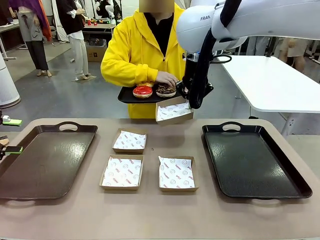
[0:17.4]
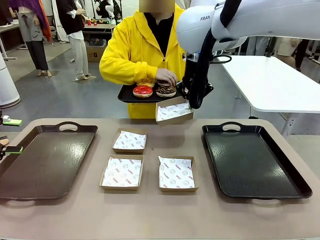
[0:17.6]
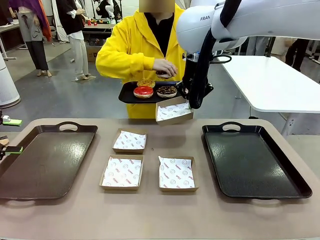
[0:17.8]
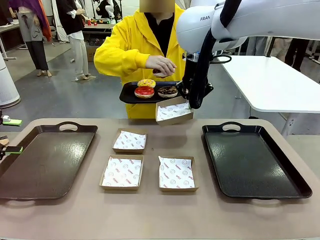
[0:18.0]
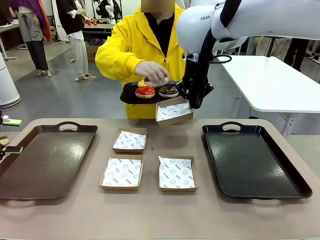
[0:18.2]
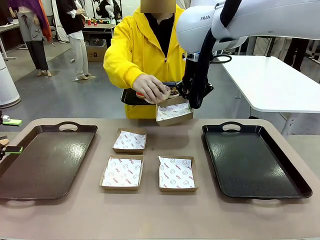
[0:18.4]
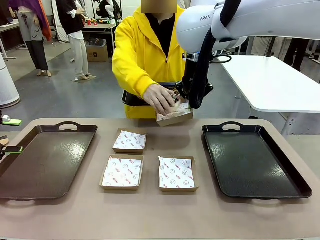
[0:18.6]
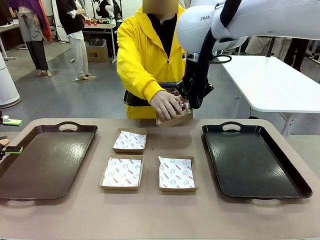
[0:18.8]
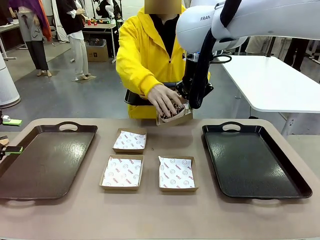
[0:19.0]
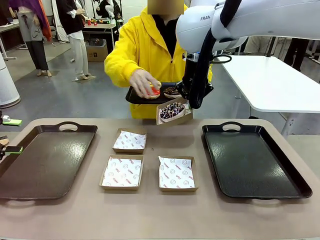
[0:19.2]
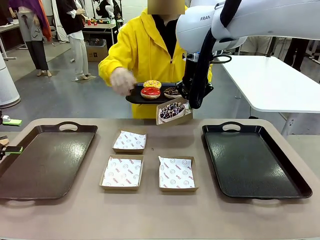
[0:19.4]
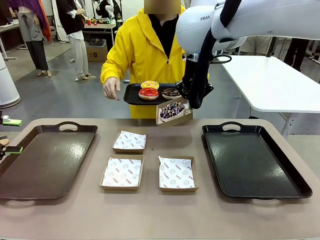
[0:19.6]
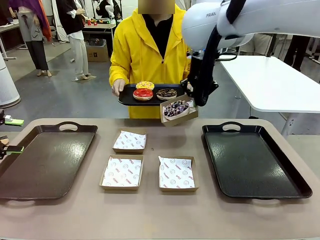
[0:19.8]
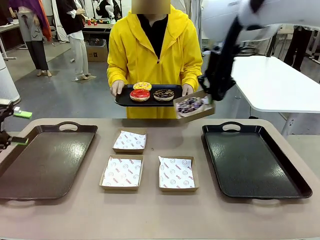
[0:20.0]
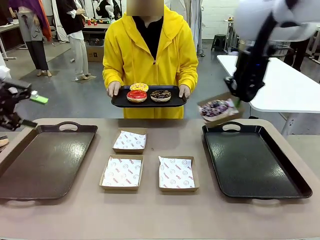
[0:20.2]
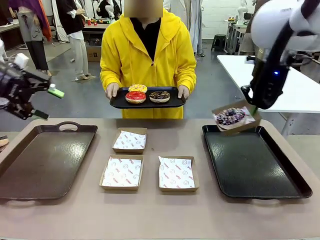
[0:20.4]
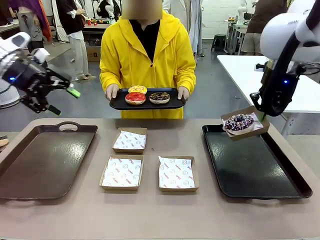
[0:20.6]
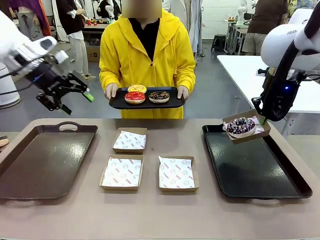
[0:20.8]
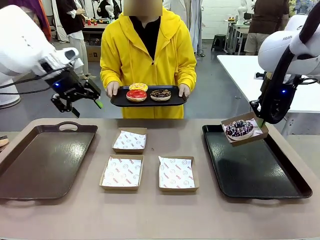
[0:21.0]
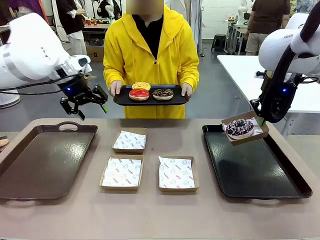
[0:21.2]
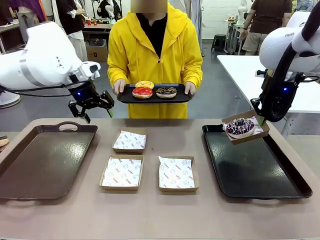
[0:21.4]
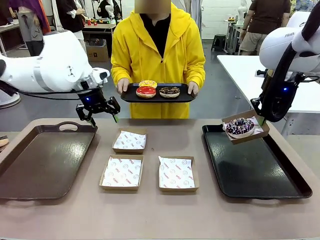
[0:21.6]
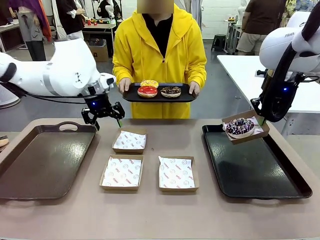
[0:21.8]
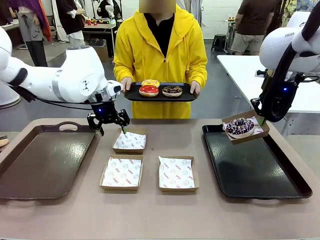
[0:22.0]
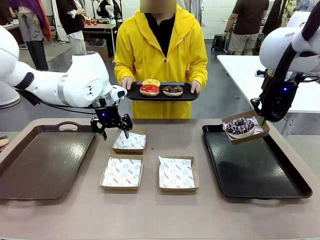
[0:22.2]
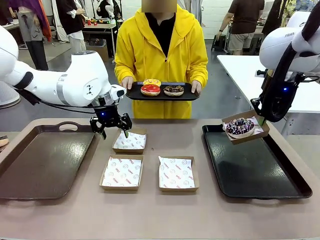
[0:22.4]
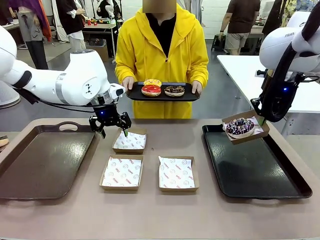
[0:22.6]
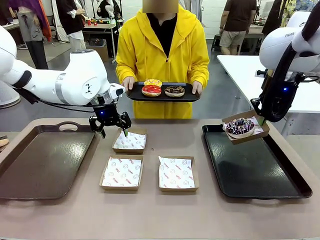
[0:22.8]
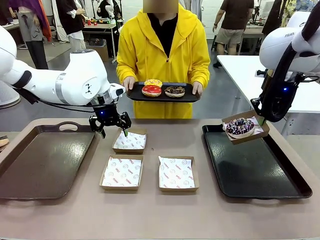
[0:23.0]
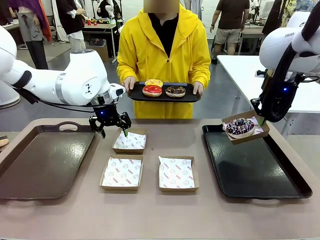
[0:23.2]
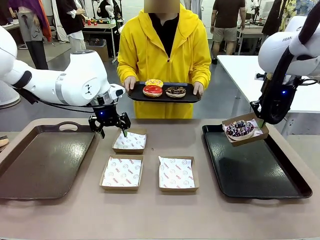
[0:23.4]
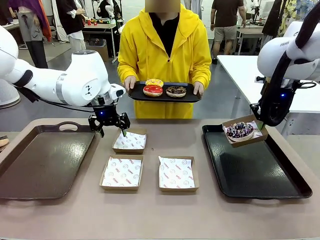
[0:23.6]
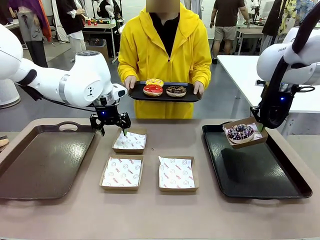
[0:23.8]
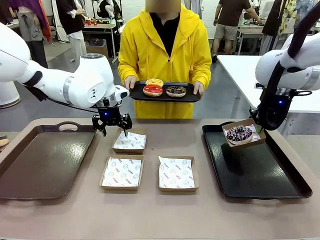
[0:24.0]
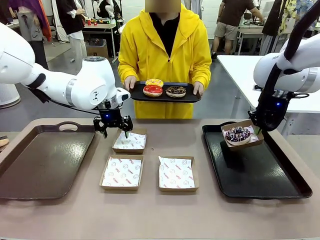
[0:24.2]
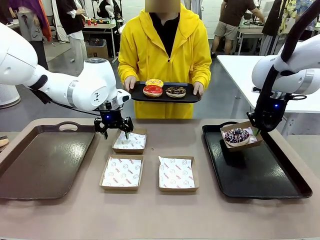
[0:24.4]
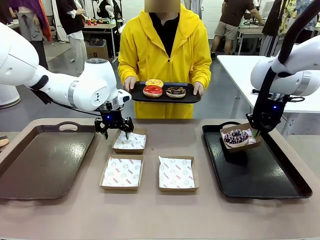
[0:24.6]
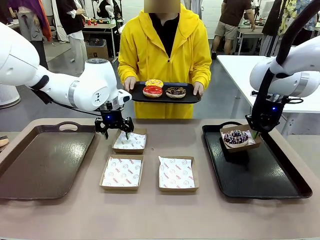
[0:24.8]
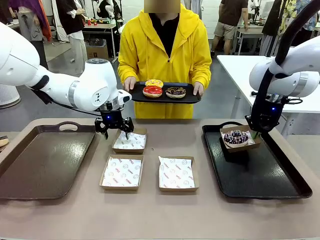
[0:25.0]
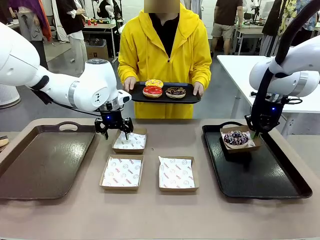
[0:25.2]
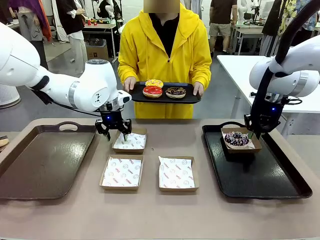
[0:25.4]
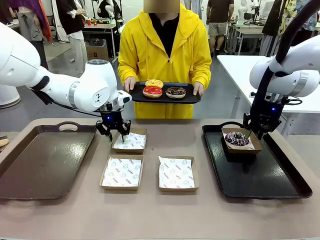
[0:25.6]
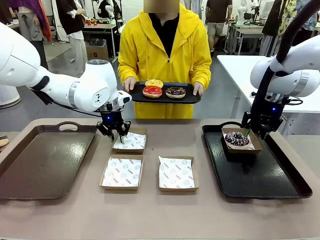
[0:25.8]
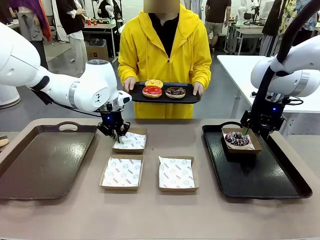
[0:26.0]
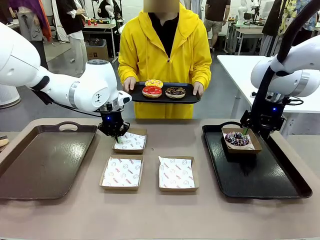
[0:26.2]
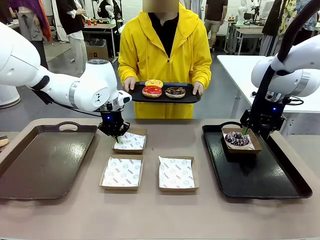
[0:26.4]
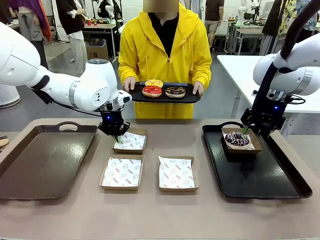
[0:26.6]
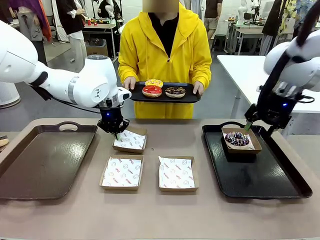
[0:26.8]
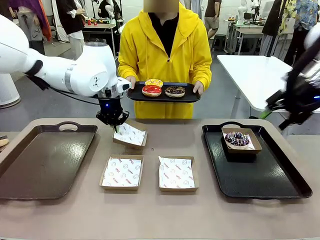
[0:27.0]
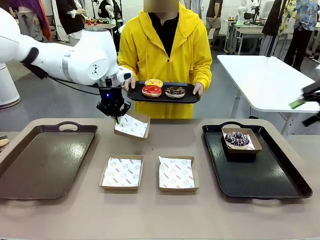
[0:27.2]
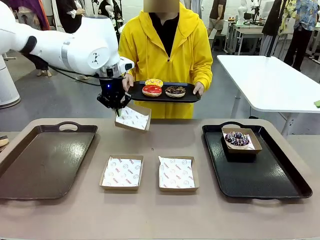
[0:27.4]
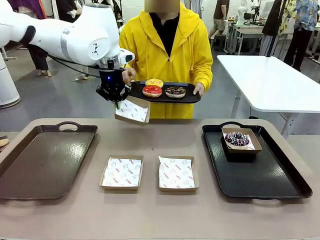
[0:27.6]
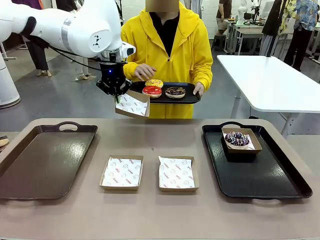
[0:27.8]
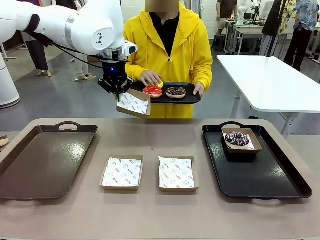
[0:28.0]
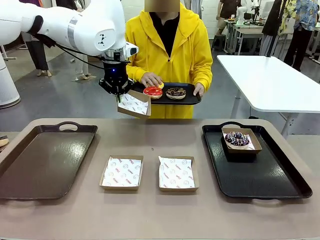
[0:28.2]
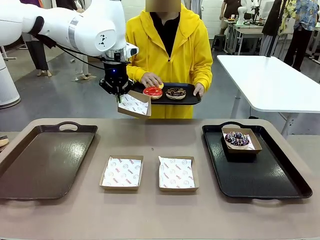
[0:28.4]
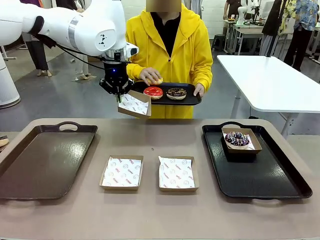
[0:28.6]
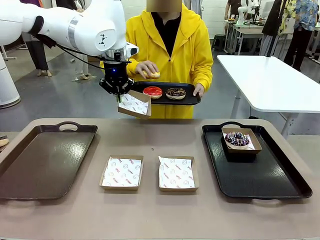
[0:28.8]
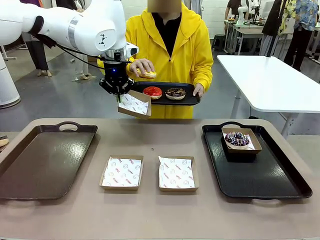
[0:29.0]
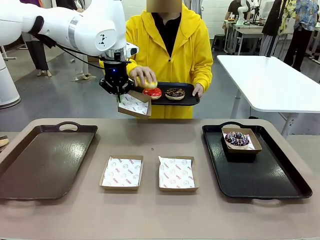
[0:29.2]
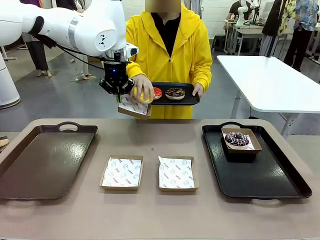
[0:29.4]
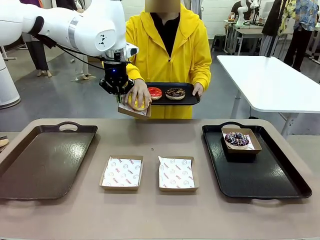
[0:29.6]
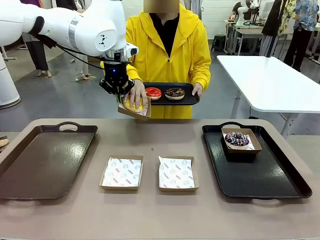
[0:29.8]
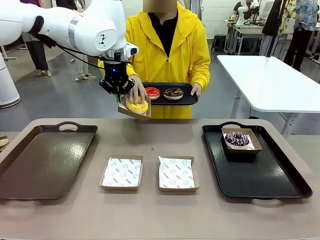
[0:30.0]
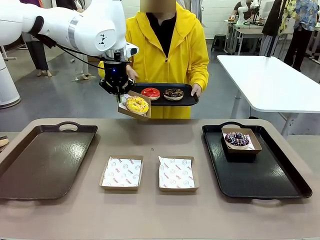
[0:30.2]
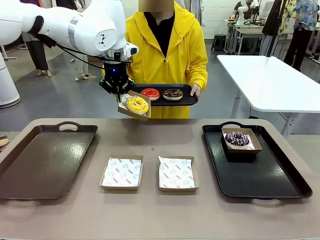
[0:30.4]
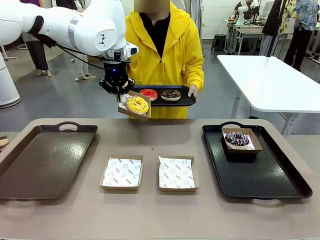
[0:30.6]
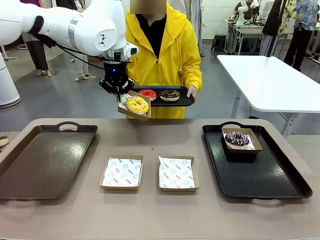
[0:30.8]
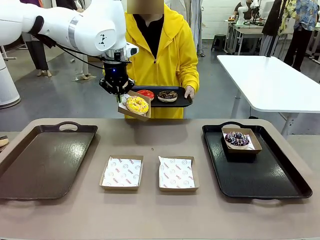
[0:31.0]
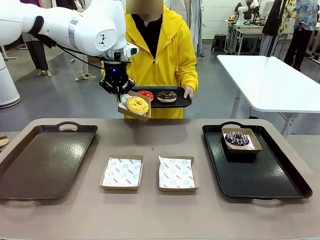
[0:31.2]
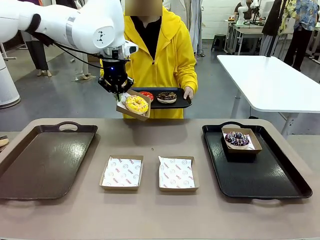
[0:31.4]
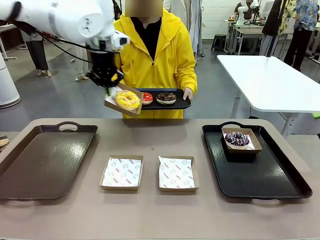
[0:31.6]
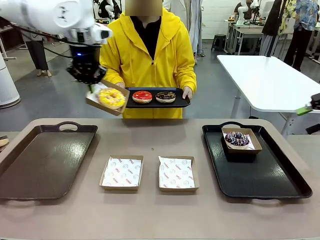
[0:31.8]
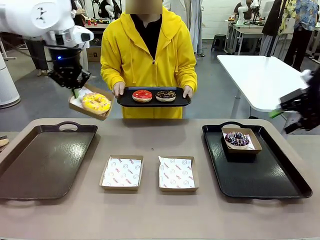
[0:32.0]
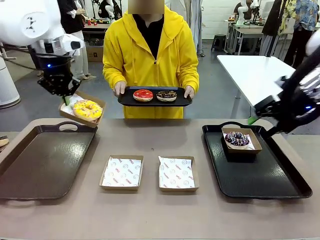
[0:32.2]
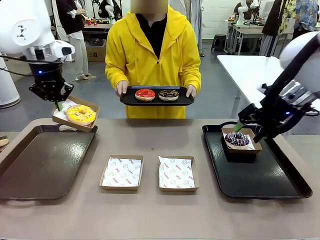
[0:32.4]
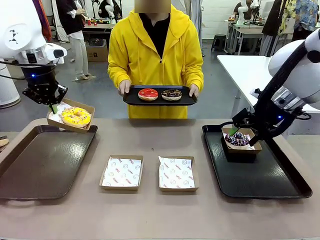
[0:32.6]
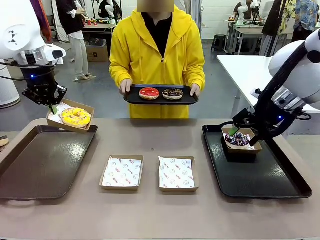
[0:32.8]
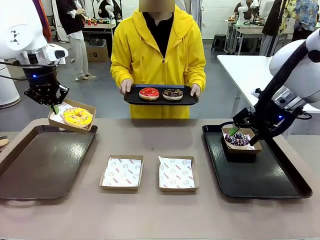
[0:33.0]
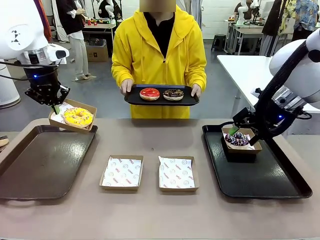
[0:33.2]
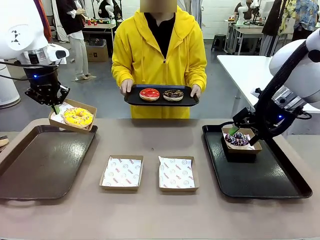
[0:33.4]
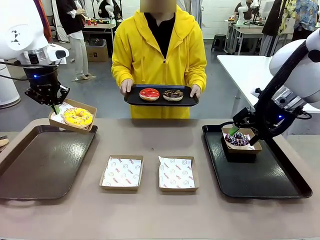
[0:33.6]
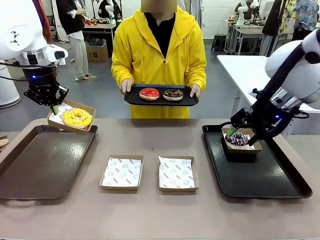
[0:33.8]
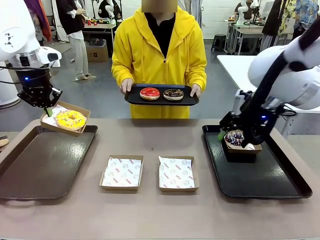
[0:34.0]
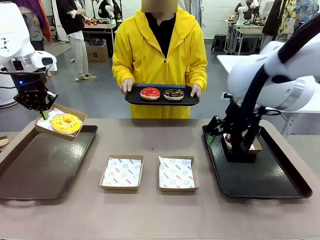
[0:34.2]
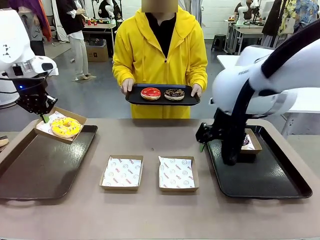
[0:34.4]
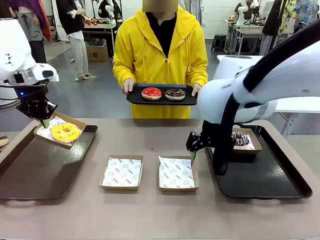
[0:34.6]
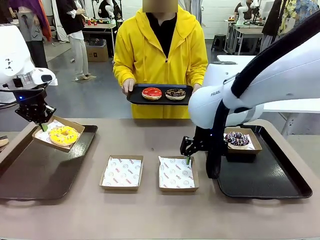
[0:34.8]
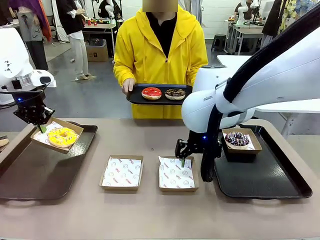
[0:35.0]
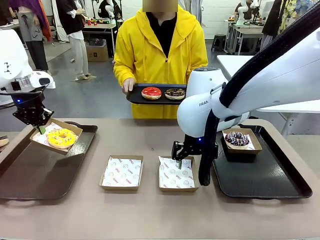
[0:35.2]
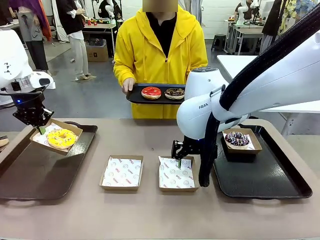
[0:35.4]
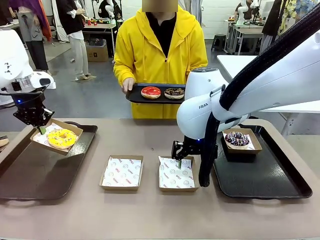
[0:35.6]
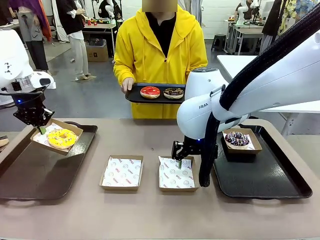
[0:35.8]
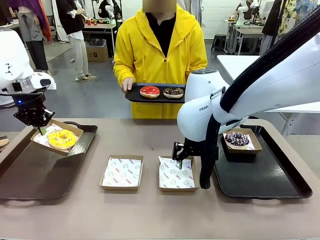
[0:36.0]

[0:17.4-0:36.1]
Task: Individually package the donuts and arrange them on the tray.
Robot: Place the picked Paper togo box on the Handle tray while simultaneously picking up another Paper togo box from the table with the other hand.
